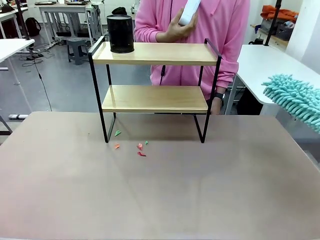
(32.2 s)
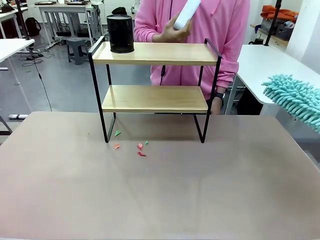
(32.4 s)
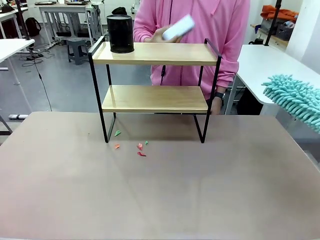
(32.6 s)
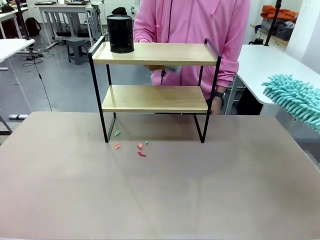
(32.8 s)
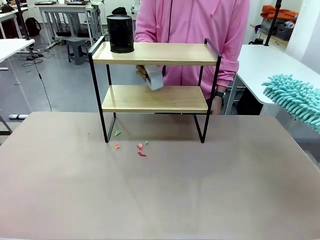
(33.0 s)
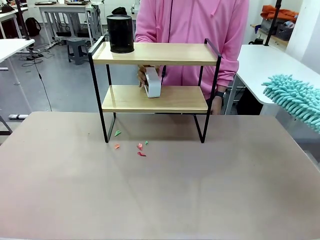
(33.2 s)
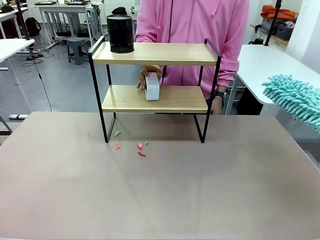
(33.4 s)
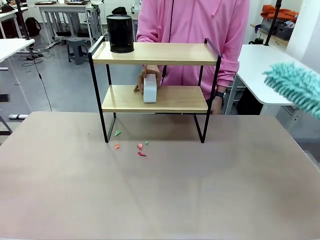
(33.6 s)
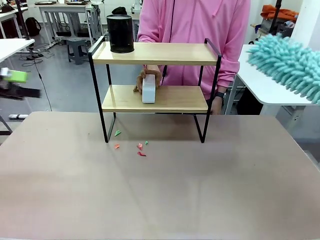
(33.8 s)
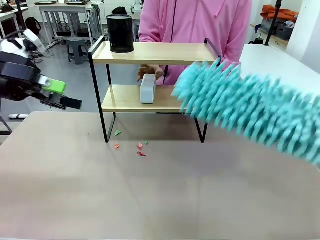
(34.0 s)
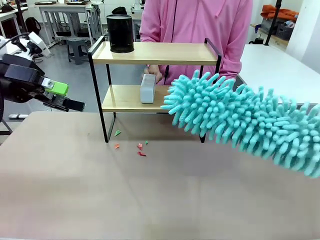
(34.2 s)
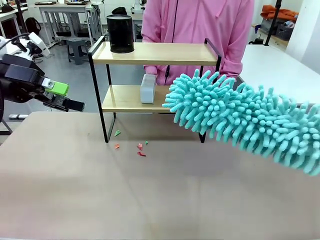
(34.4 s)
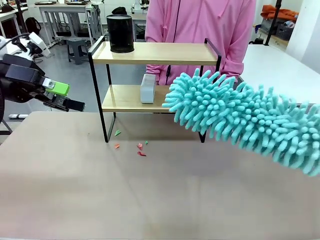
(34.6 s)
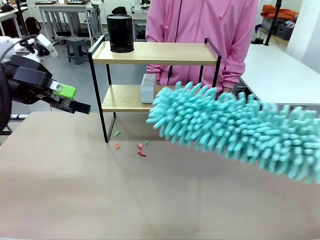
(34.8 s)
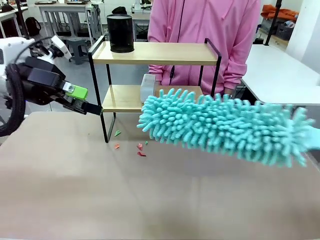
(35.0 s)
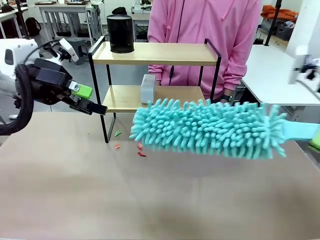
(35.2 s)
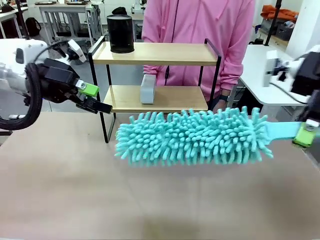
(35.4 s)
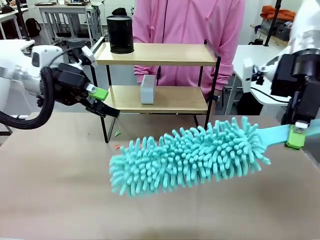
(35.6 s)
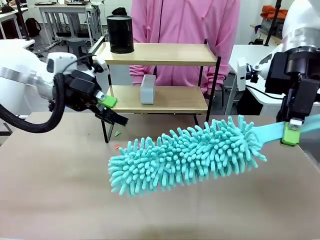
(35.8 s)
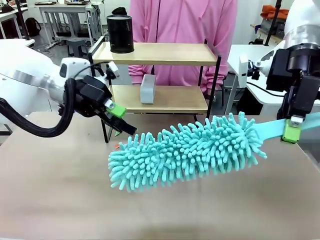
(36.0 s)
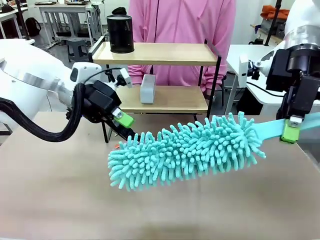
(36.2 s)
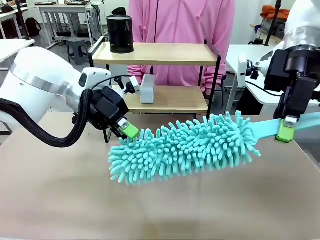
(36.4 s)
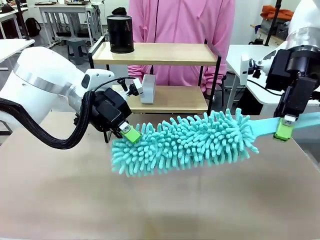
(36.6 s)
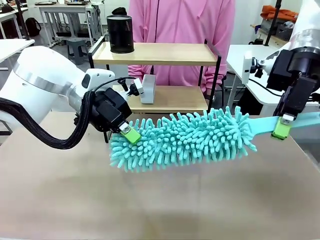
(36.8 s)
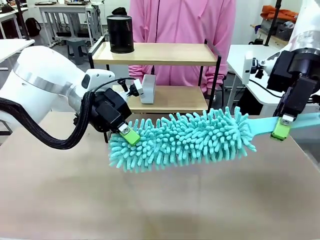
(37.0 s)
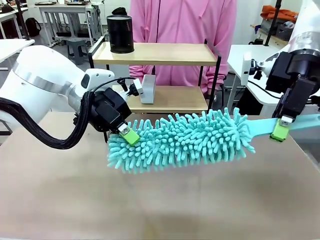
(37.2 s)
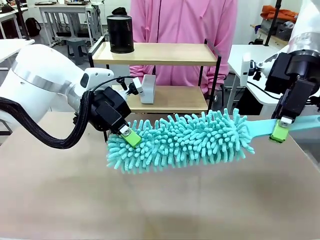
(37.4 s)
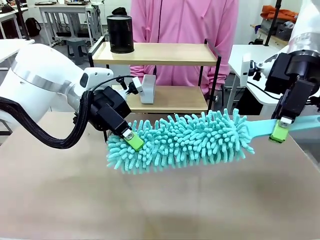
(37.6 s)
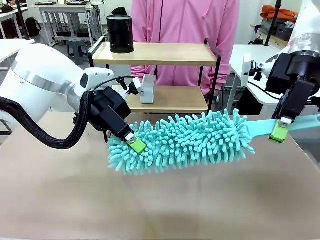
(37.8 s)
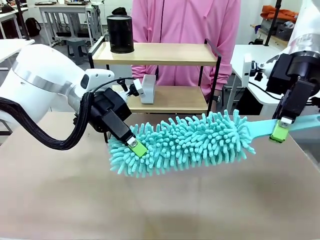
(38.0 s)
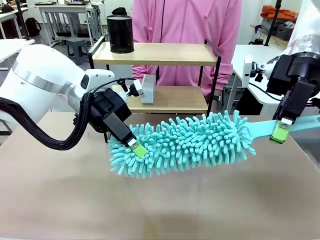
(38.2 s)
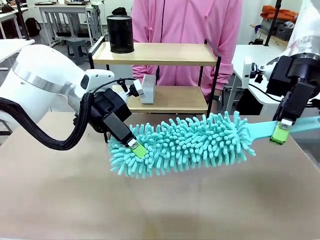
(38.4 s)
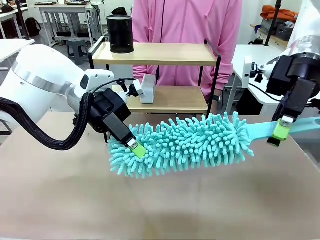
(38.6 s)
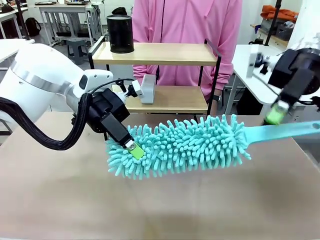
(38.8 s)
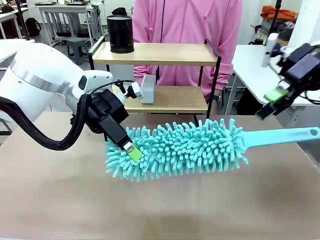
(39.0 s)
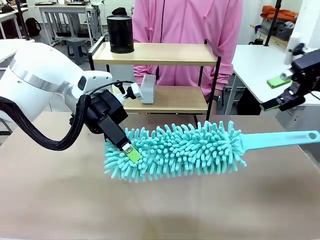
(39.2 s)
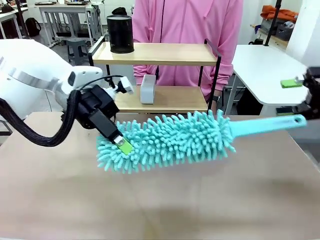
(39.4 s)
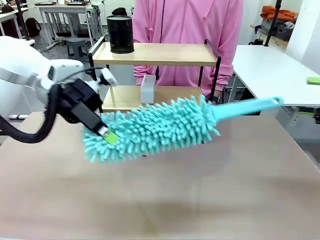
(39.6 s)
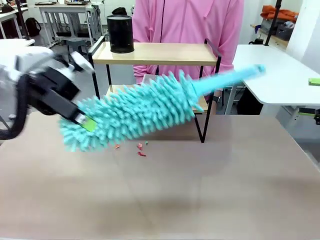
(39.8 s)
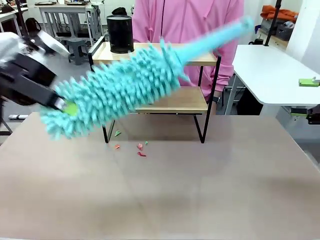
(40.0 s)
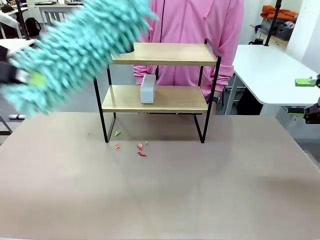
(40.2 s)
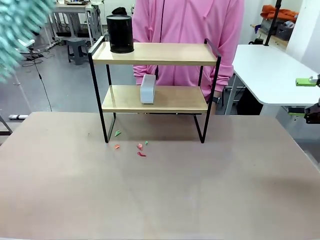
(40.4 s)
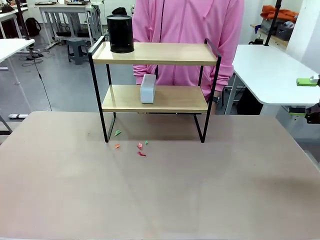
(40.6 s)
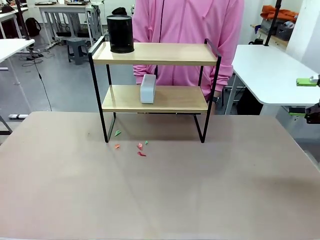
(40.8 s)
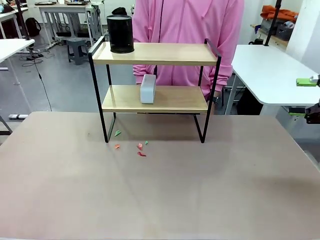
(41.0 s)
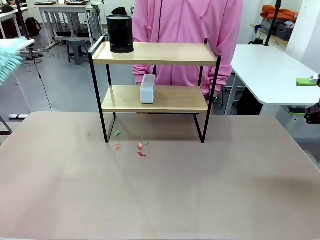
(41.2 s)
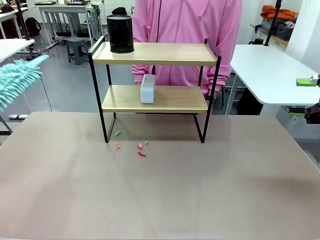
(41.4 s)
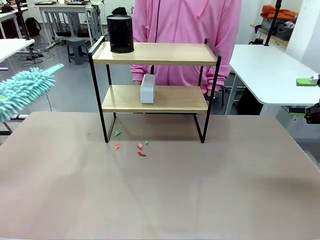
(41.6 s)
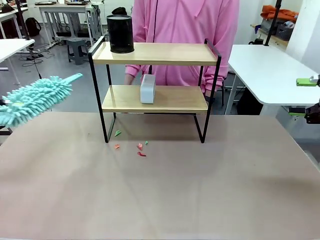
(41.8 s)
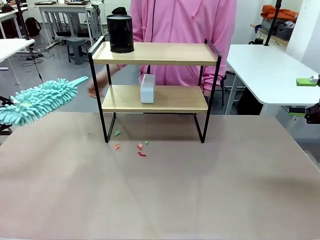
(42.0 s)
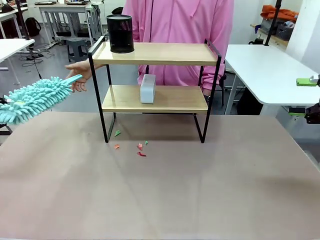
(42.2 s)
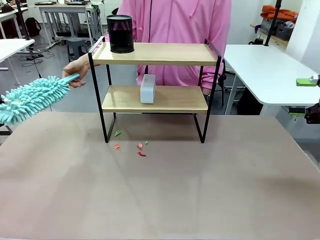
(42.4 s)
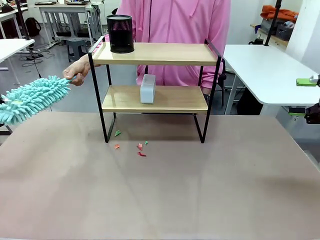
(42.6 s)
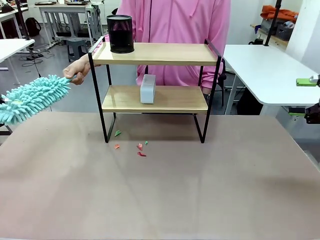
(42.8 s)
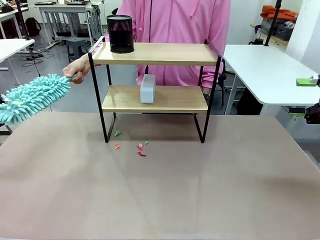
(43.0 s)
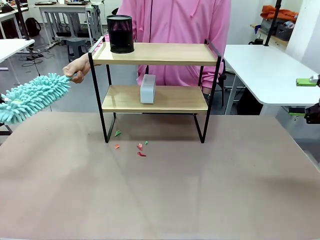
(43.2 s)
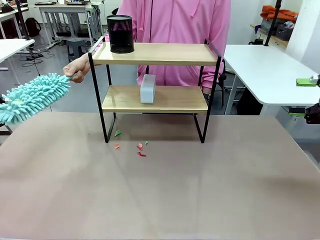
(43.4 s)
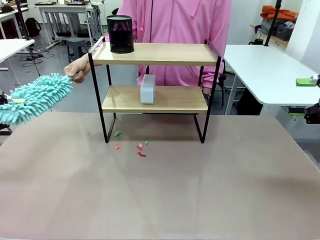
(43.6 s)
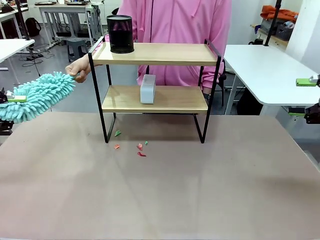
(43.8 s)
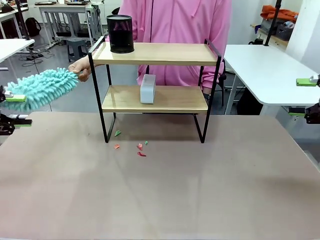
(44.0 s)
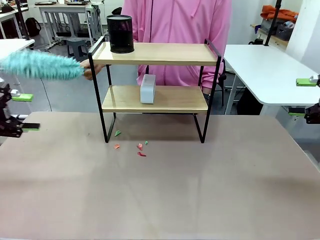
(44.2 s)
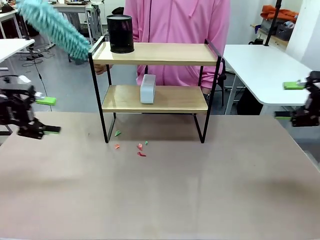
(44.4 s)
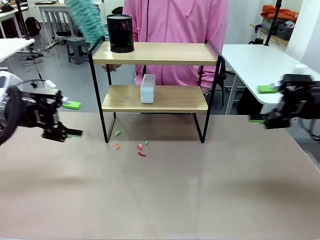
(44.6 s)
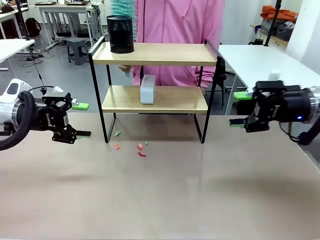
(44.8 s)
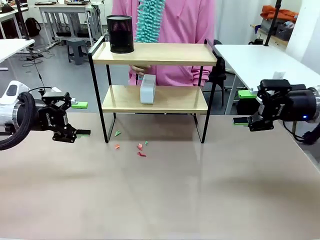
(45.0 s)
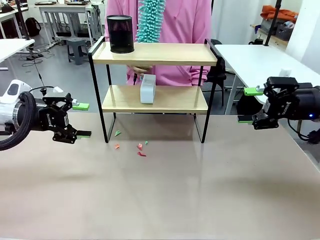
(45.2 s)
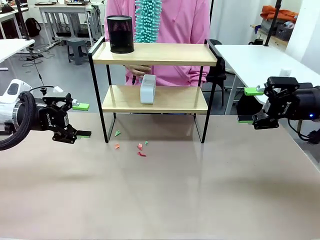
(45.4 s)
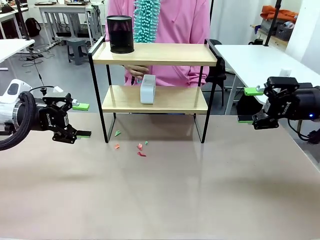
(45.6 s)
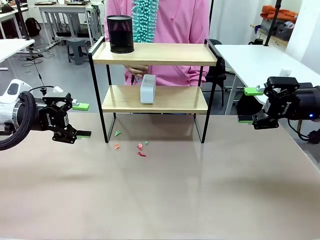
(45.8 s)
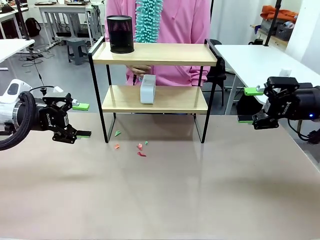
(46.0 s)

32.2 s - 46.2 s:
Task: Clean the shelf.
Robot: Hand the Duster back to the human.
Person: Receive the Duster from the robot.
